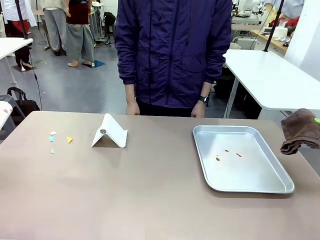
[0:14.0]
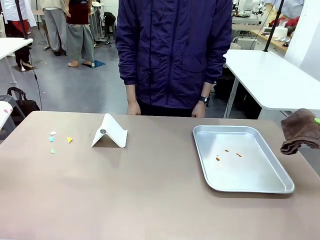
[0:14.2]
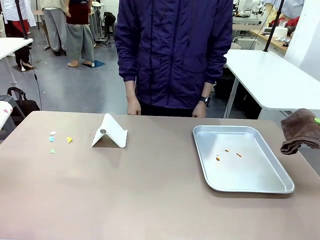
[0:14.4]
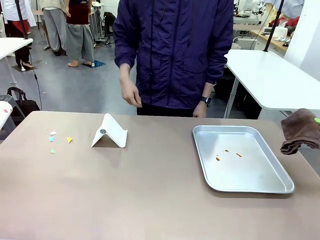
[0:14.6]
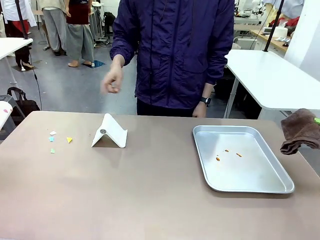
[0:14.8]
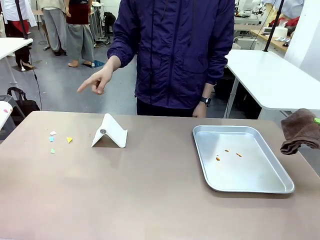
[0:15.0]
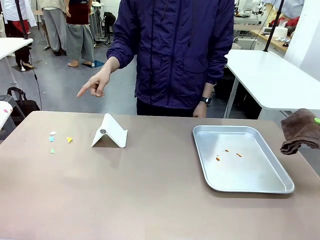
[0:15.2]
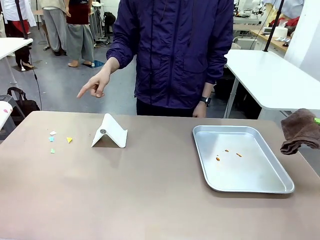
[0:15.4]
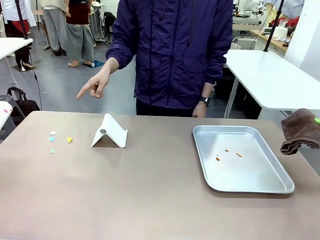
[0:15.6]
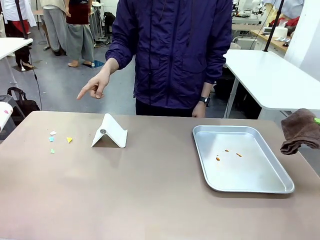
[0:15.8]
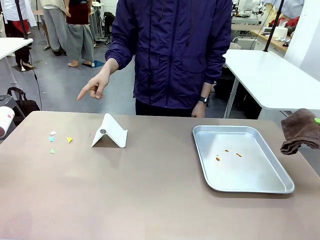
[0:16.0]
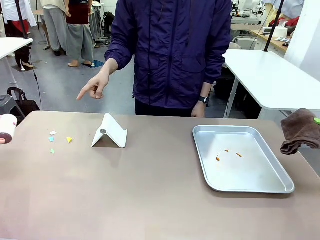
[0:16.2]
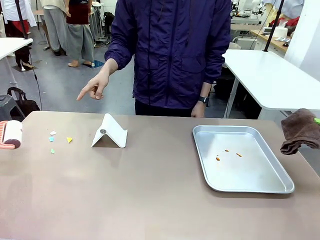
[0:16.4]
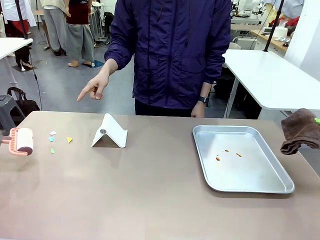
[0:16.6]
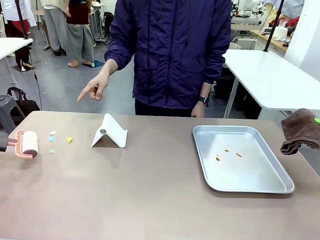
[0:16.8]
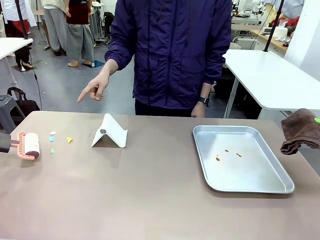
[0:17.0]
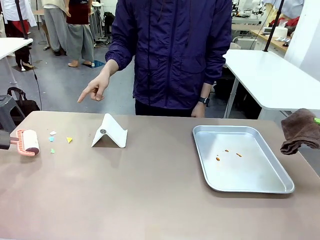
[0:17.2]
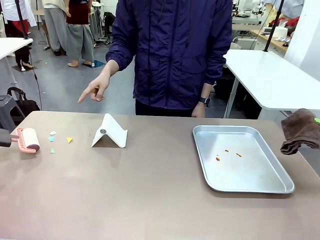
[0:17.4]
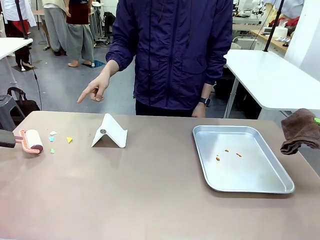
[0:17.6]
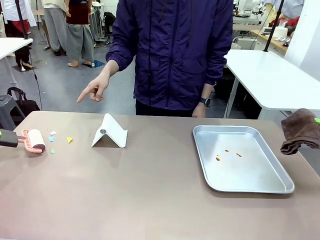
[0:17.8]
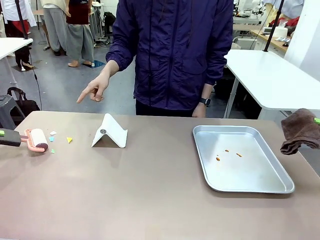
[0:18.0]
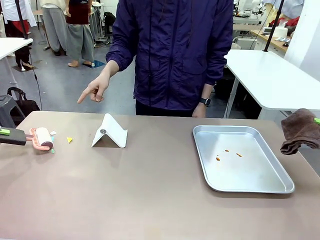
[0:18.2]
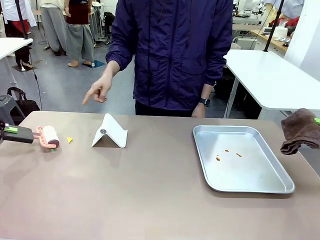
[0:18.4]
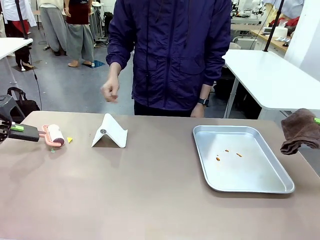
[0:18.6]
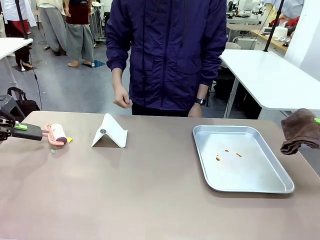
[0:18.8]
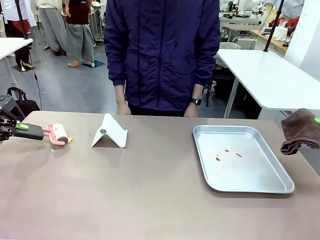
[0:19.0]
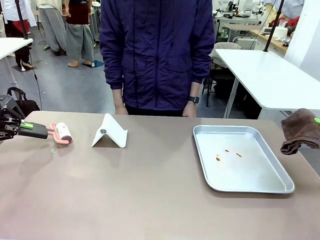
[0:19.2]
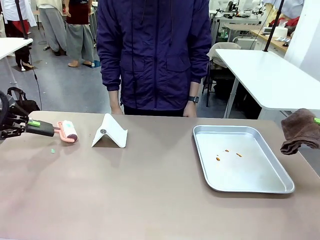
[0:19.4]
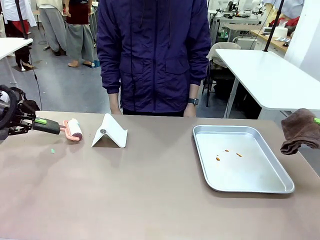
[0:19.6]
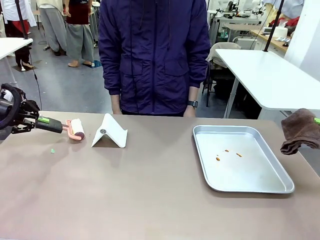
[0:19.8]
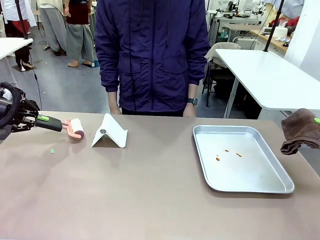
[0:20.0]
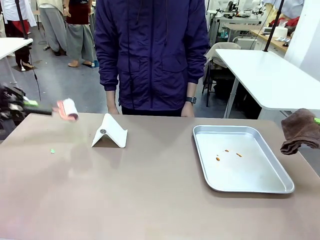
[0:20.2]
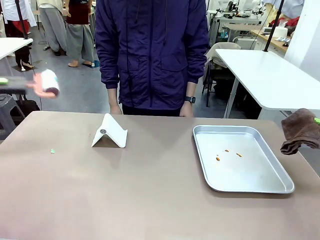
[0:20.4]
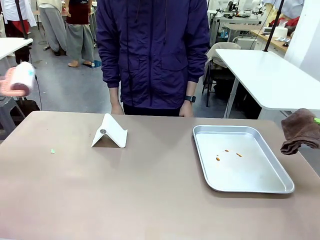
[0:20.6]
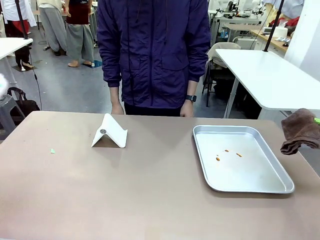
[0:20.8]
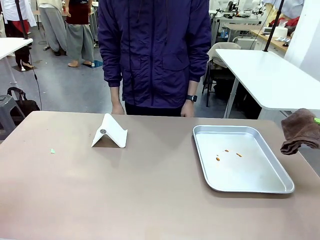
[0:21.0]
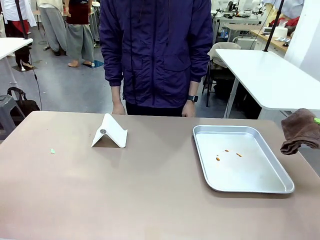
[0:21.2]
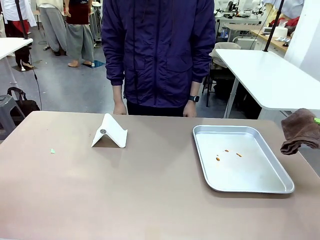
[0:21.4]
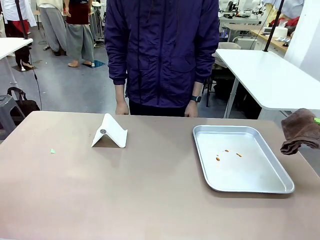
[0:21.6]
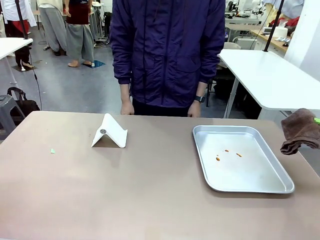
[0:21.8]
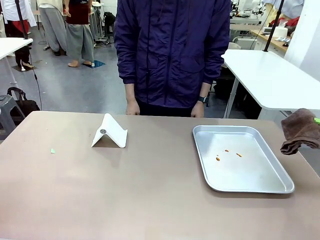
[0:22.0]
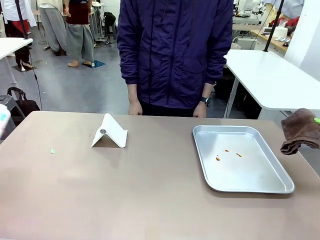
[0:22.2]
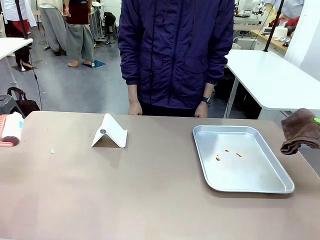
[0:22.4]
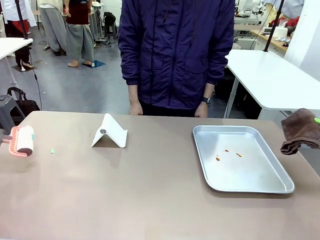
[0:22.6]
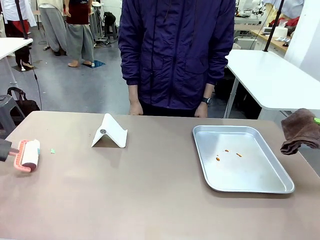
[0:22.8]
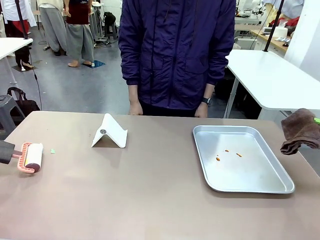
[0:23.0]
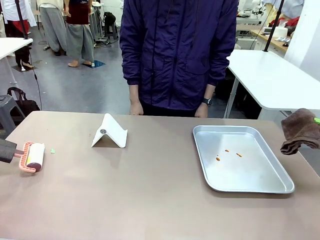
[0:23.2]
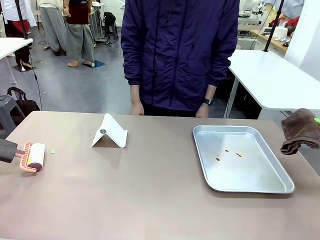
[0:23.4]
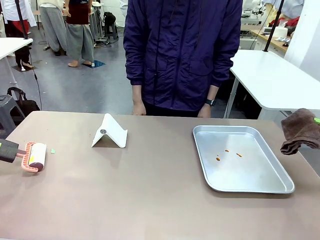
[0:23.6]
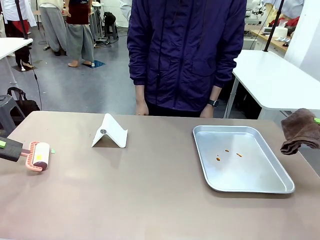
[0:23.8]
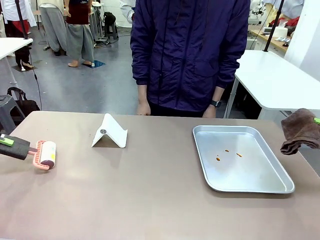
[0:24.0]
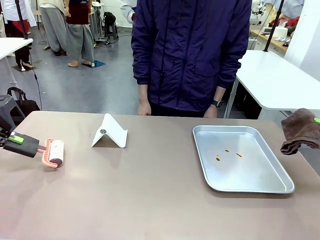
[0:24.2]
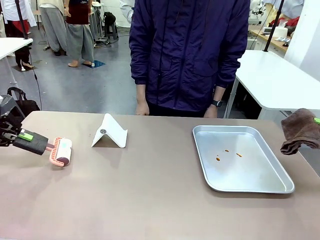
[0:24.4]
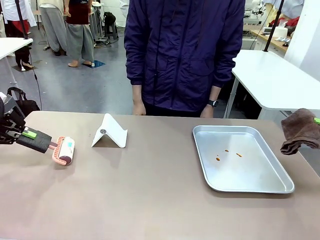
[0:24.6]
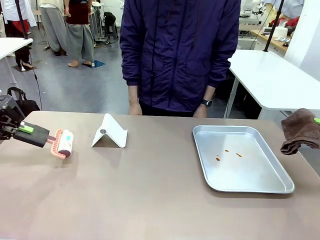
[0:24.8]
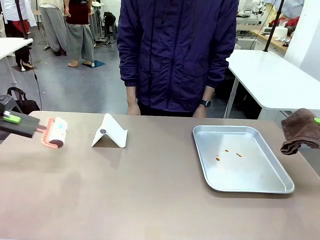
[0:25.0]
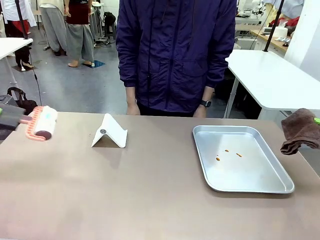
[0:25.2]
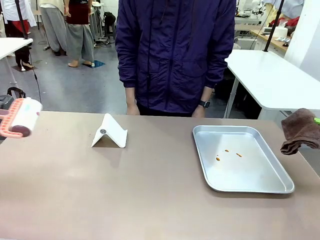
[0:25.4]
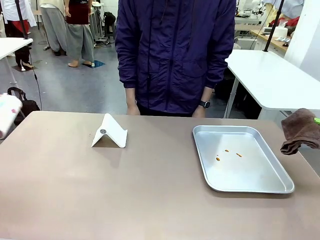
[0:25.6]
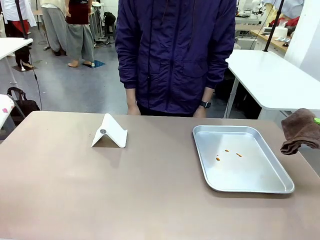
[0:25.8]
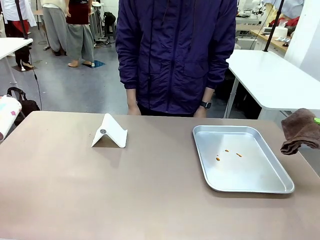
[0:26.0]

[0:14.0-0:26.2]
Task: Clean the surface of the table.
Robot: If a person points to the right, clean the right side of the table with your right hand, and if they point to the left, clean the left side with your left hand.

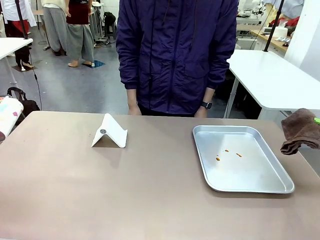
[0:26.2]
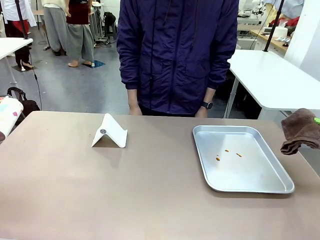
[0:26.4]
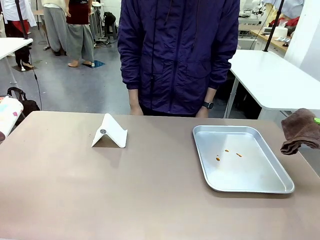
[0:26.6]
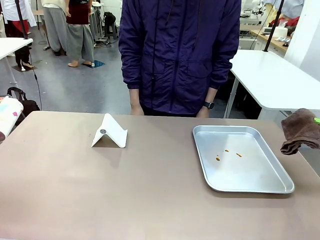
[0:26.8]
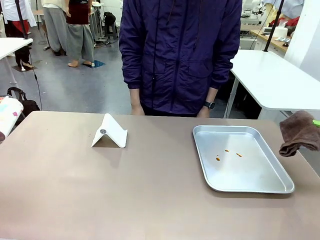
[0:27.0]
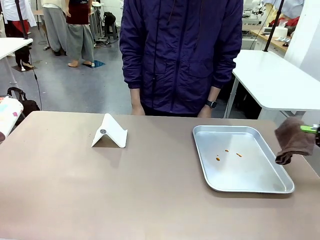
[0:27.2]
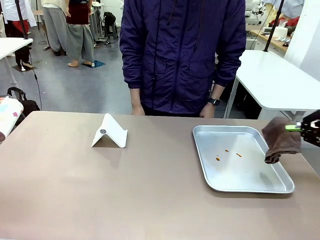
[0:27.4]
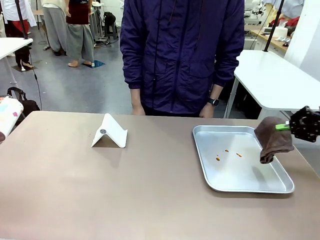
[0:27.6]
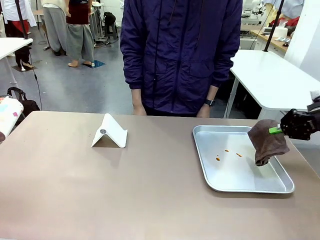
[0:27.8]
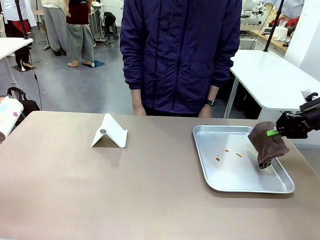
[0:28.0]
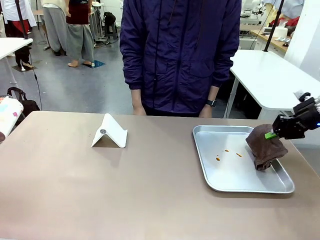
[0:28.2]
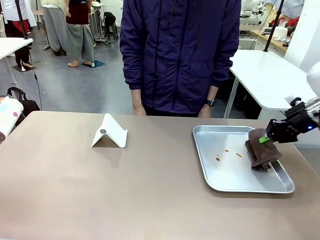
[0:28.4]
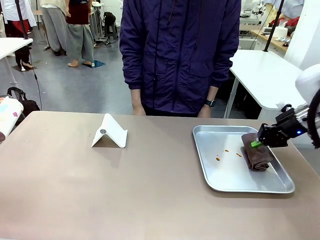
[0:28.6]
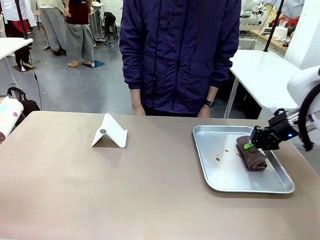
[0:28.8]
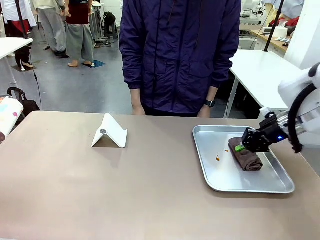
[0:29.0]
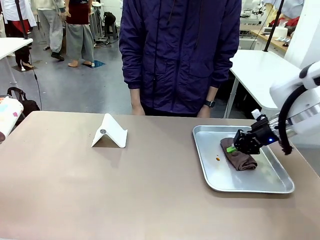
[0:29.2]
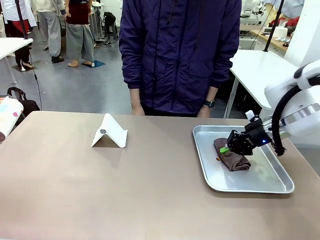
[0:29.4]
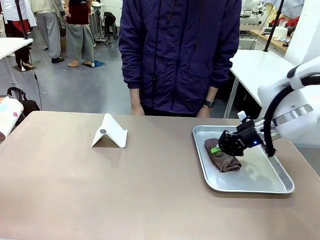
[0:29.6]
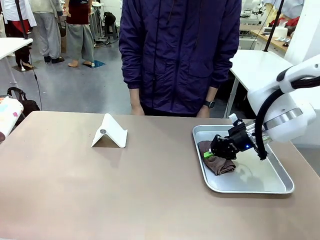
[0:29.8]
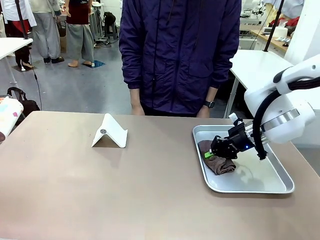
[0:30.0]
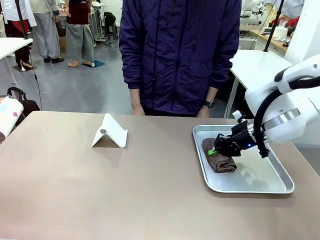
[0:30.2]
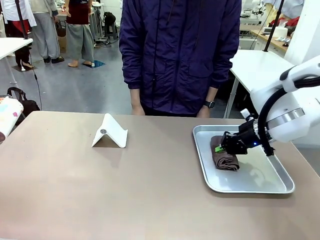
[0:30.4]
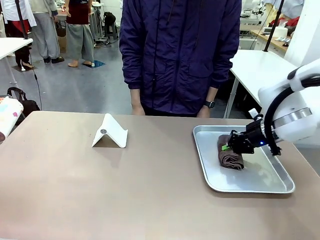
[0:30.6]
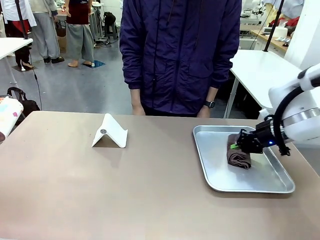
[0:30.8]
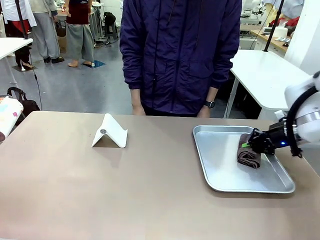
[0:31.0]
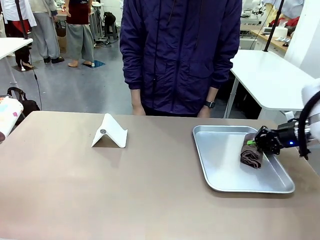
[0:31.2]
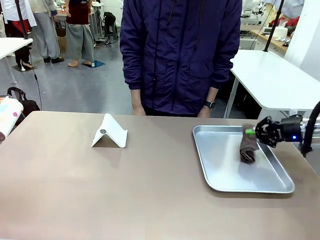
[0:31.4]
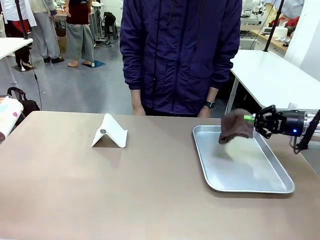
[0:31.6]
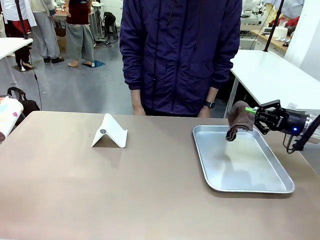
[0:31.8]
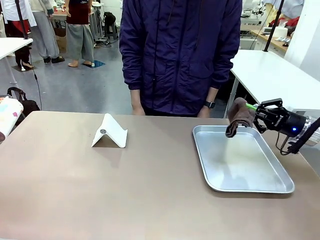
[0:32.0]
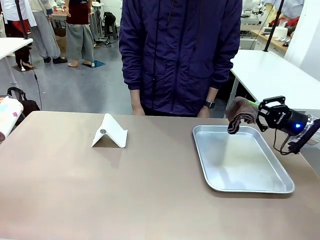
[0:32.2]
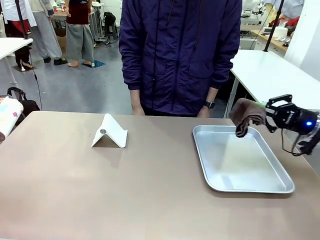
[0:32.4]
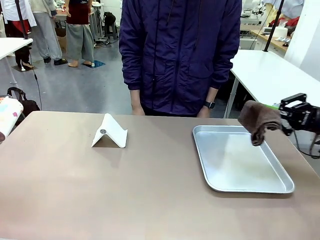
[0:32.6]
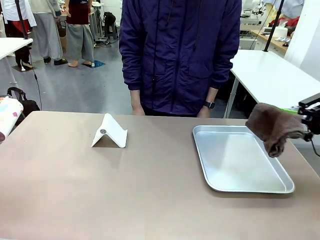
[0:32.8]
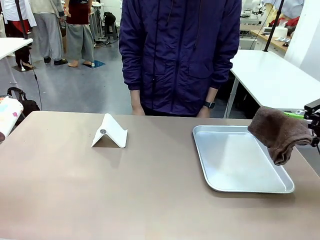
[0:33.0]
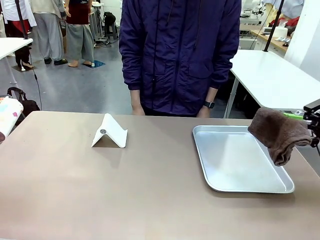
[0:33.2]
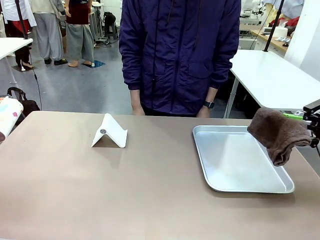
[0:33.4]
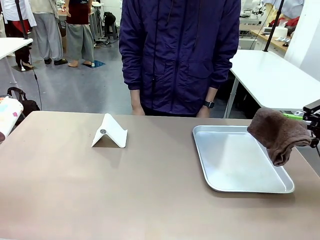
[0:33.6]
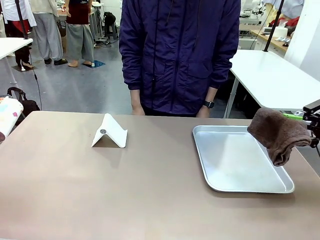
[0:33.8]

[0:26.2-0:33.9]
Robot: Clean the area not pointed to by the person.
